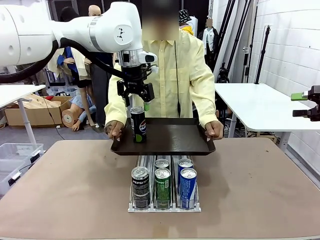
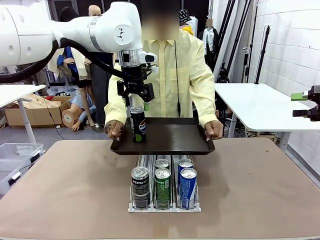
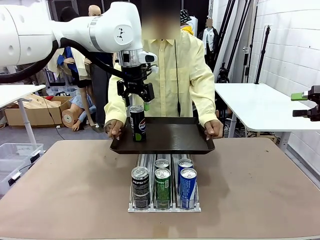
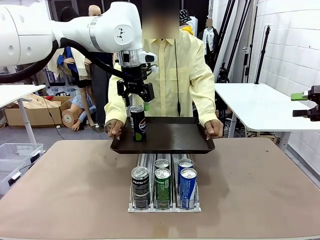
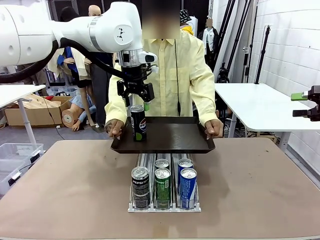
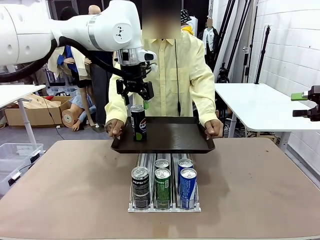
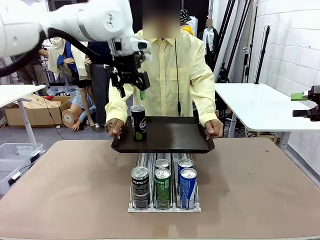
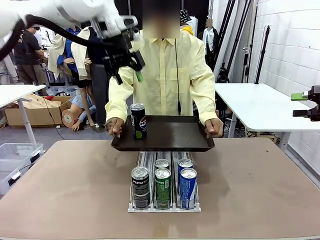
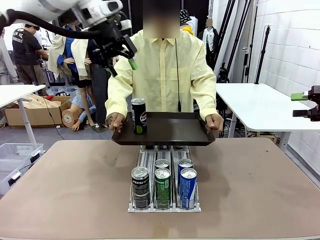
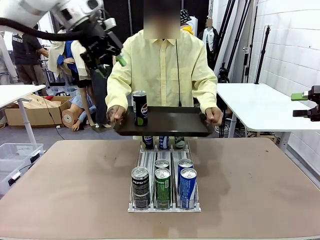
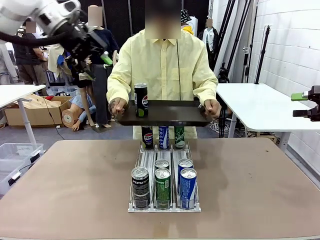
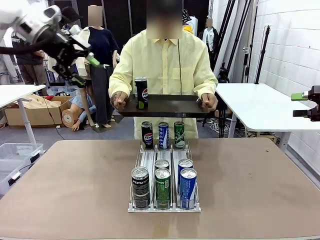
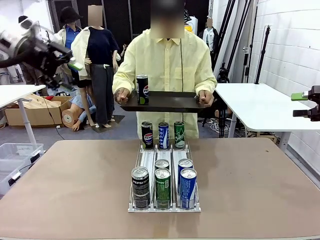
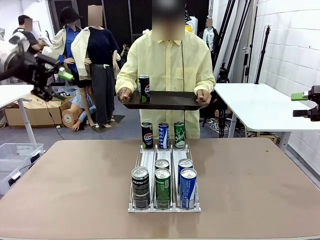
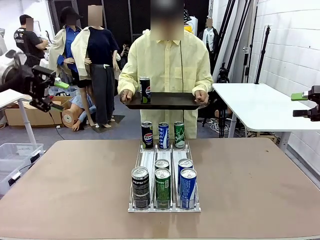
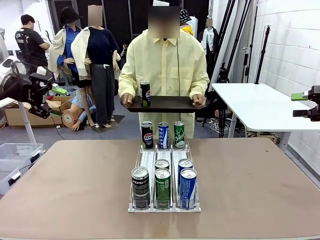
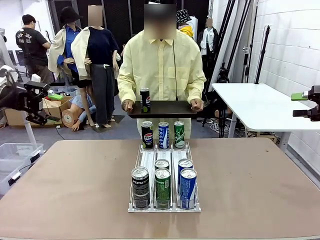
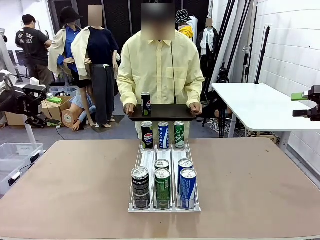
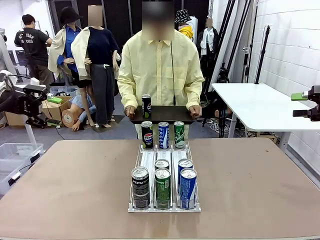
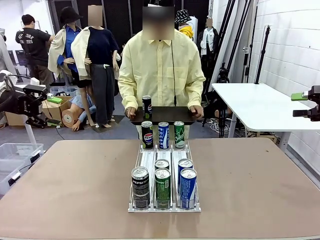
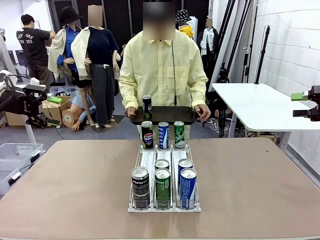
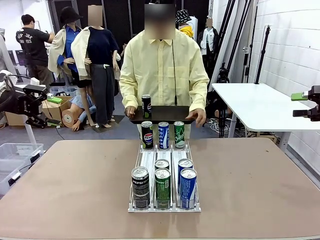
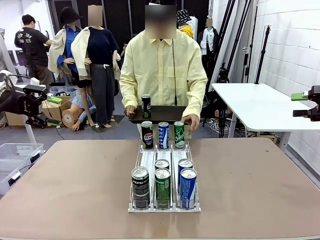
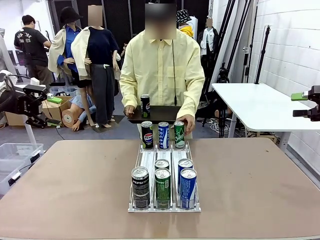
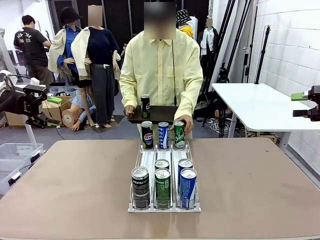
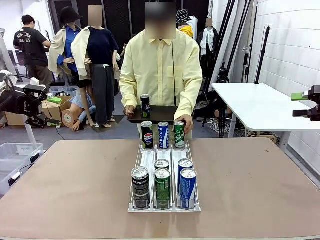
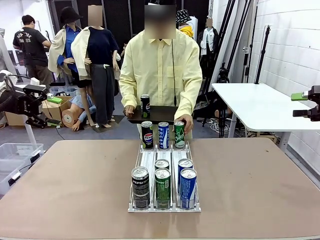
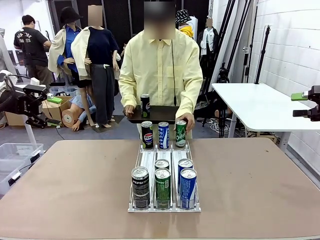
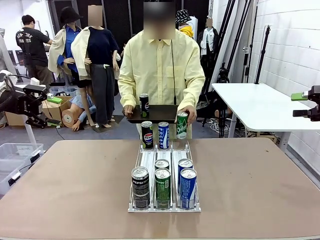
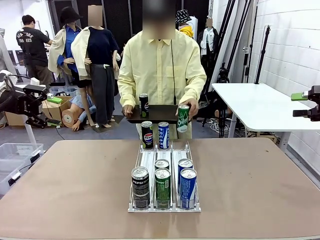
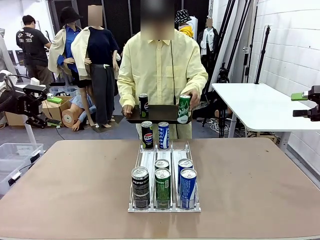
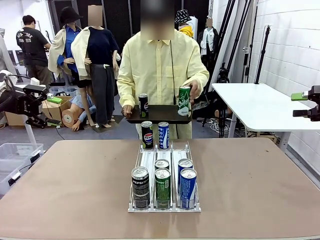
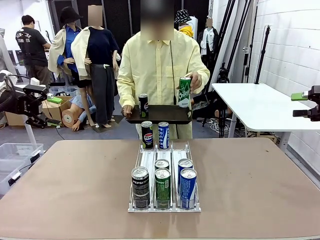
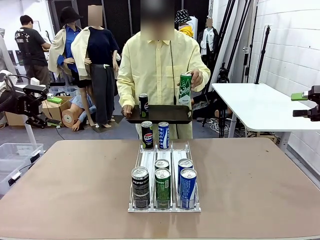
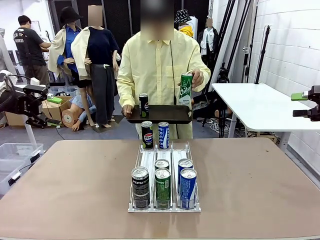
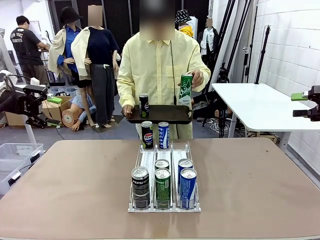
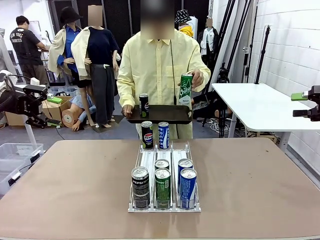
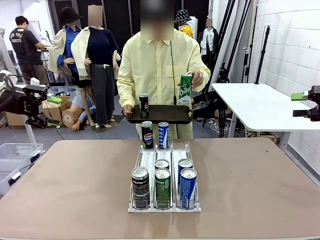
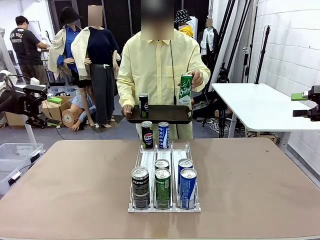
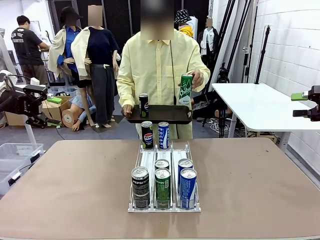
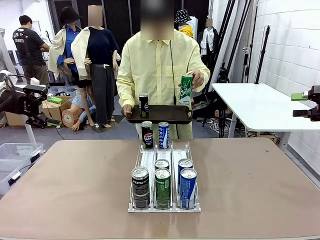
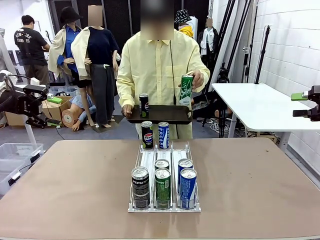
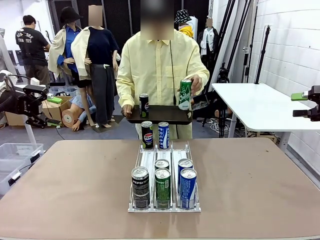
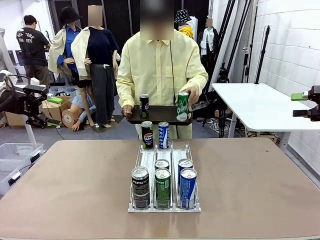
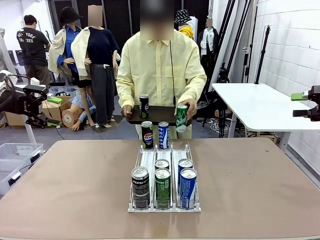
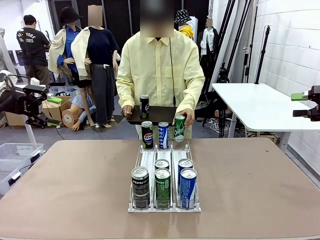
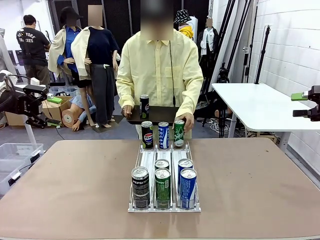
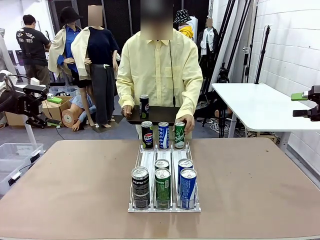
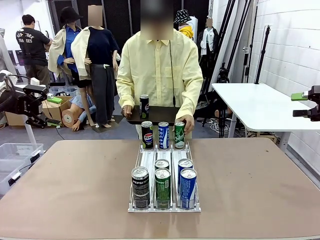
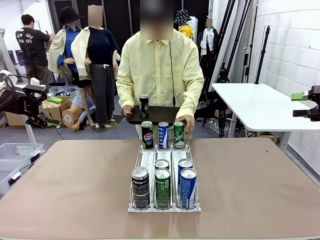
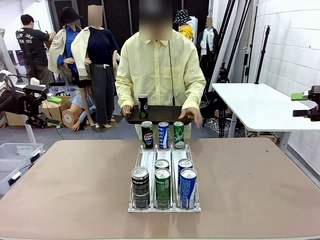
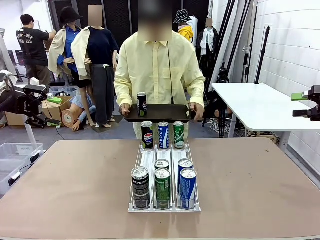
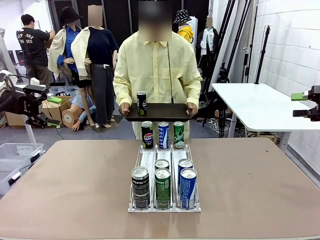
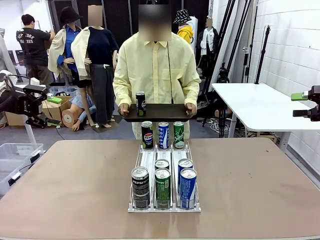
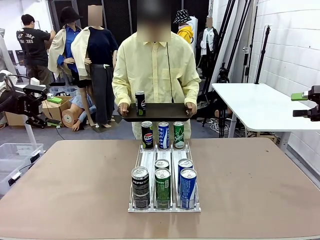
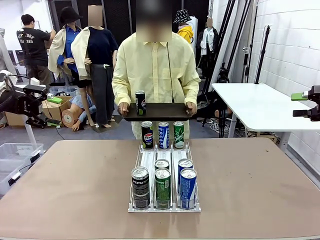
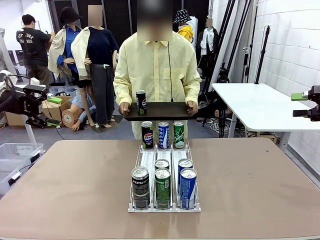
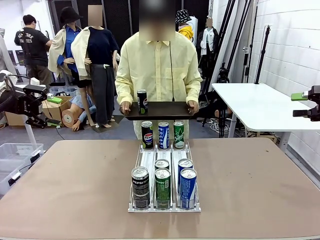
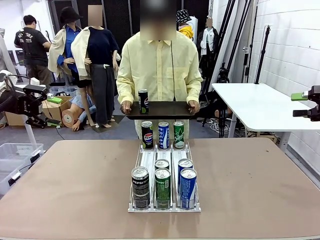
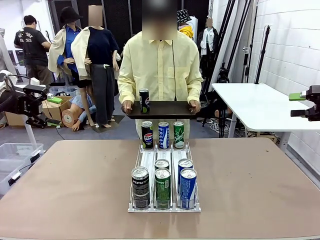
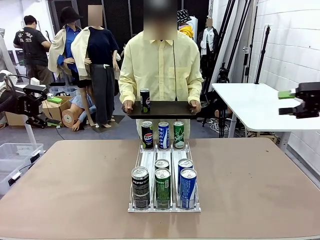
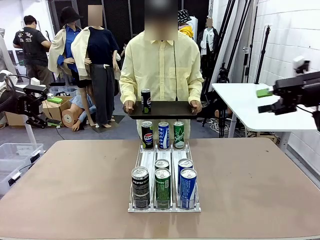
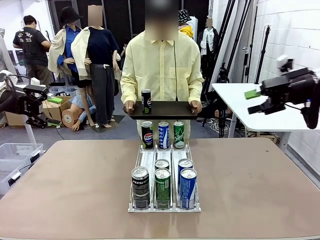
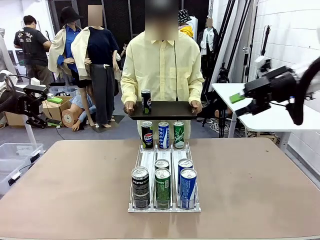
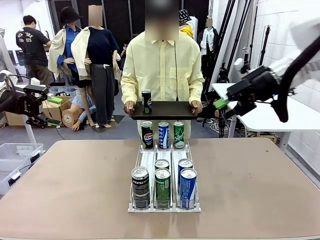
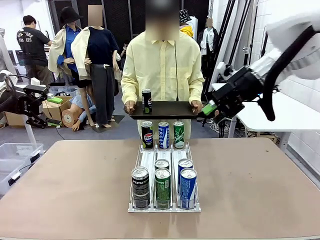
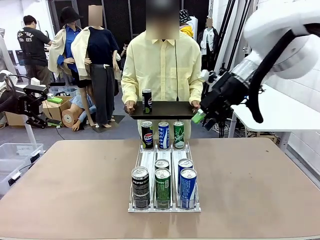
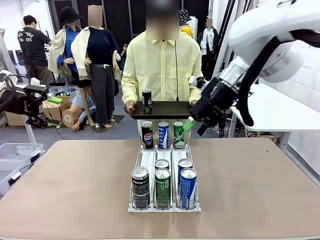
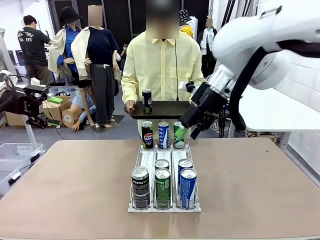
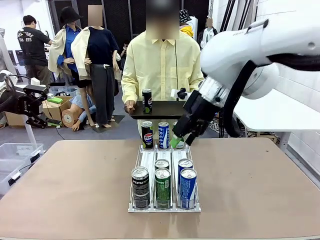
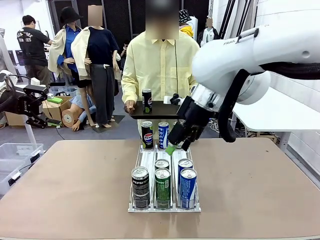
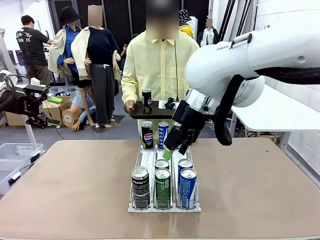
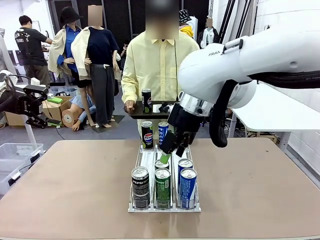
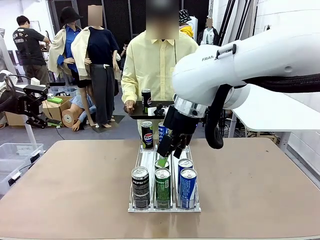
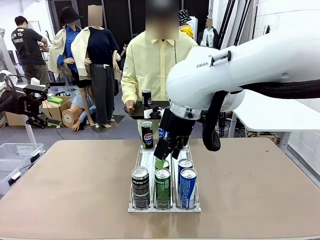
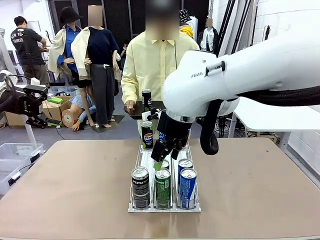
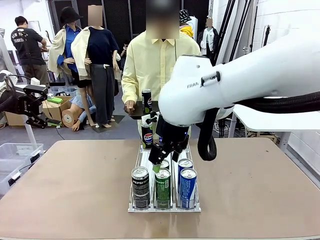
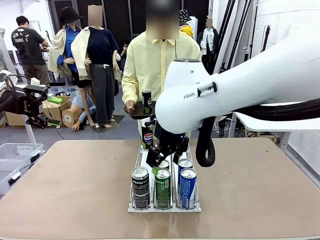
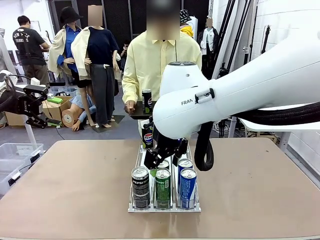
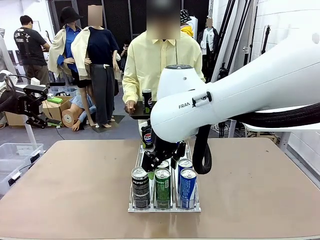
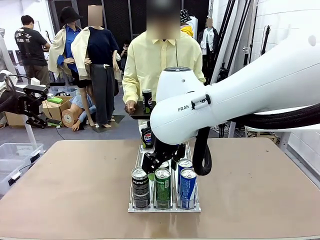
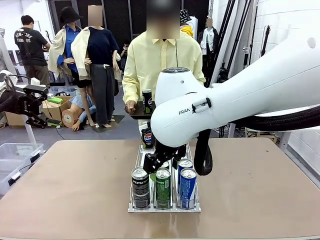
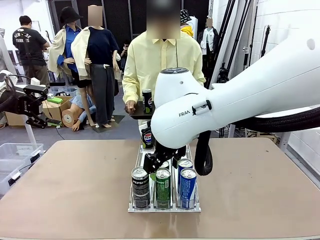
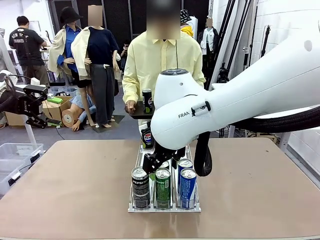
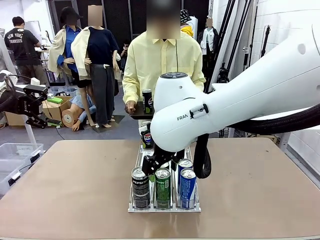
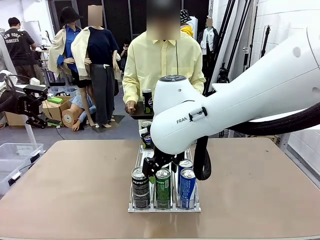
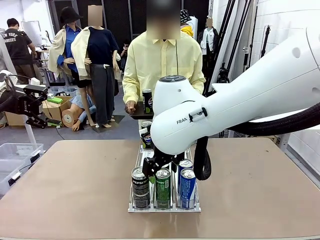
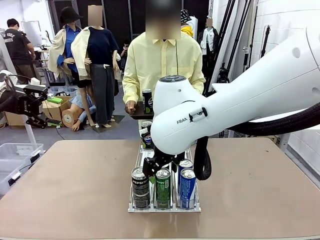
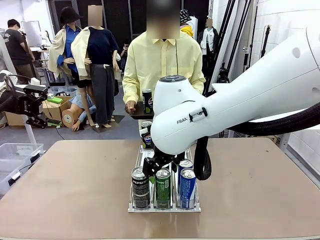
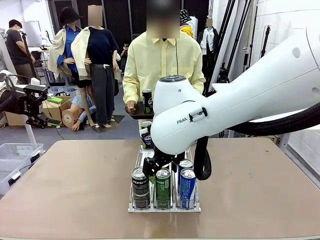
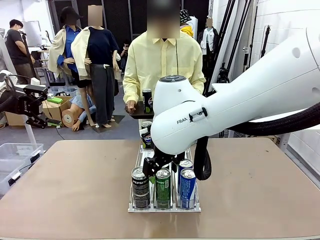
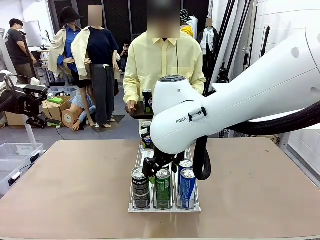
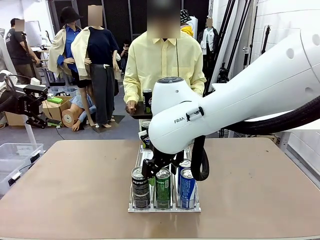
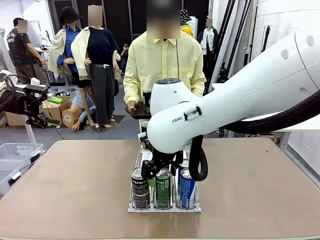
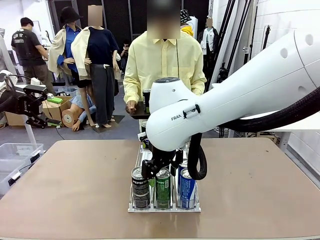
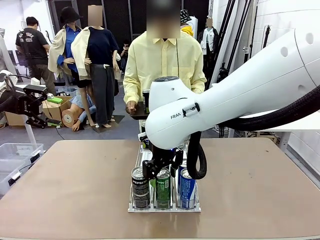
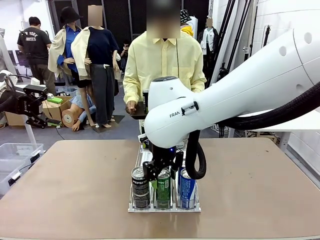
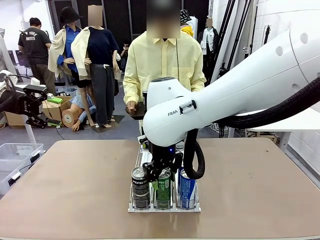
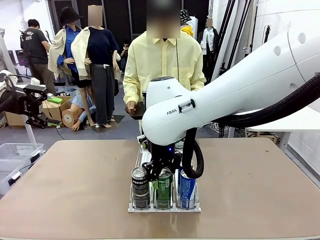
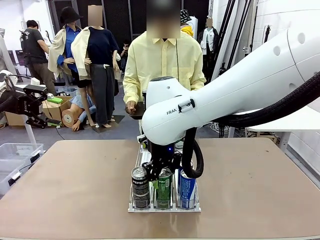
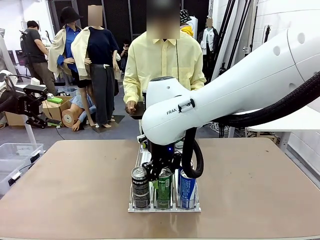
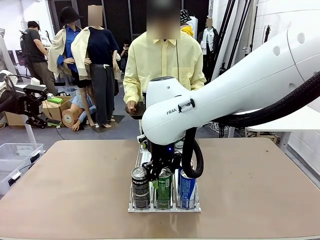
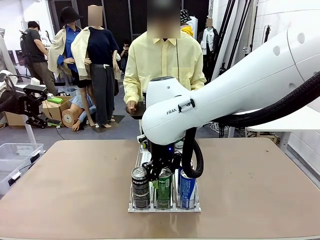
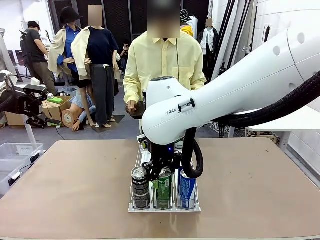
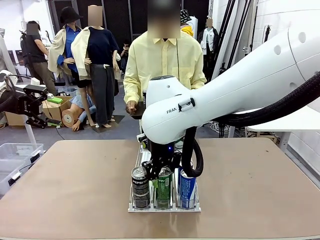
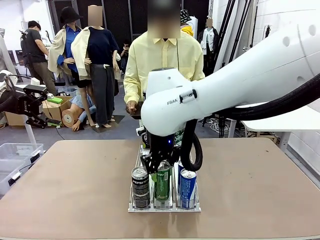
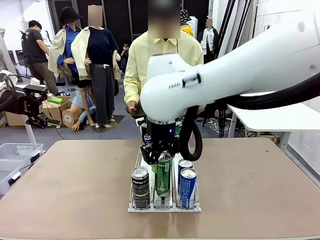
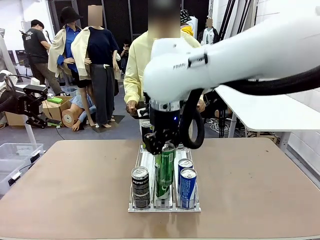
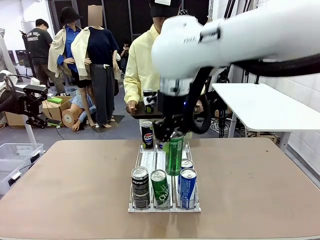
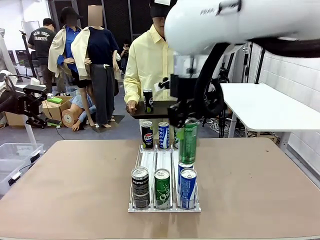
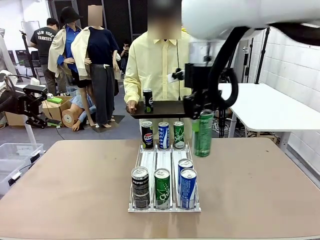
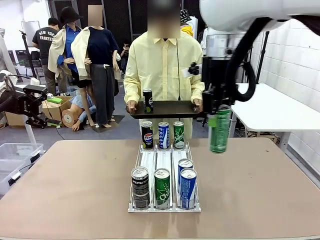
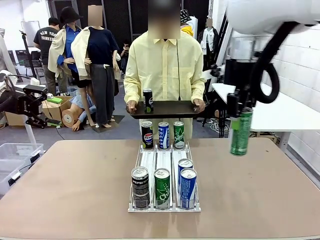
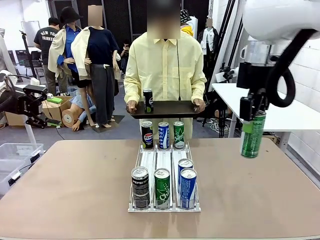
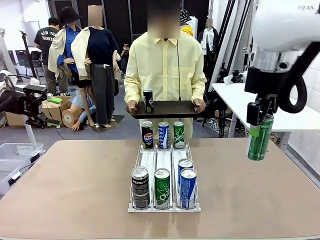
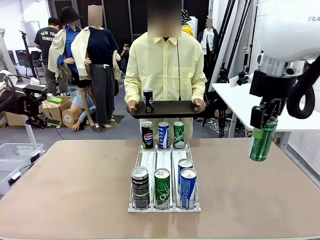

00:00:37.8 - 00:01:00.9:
Task: Retrieve and hand over the desired beverage to the person.
Robot: Pick up another can of the same type that the person held from the Automatic Can Dispenser.
Person: Pull the tray back, then pick up another can from the bottom area of the table and puts it back in its original place. Push the tray toward the robot again.
